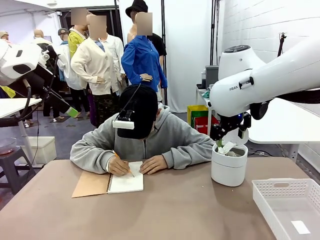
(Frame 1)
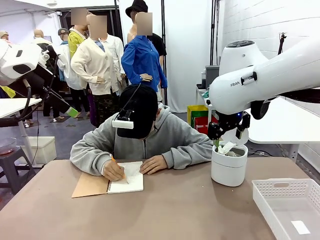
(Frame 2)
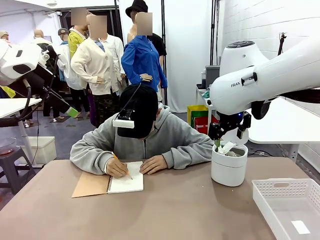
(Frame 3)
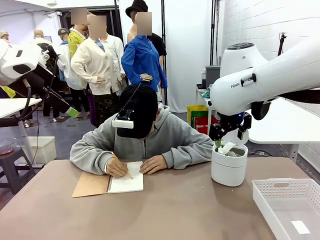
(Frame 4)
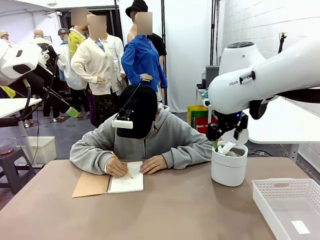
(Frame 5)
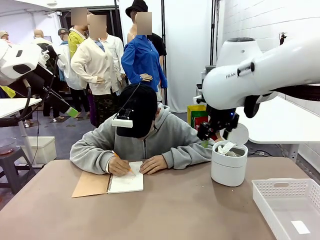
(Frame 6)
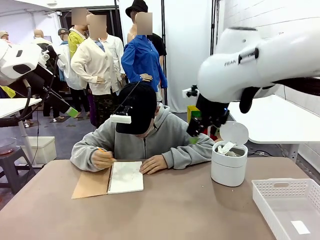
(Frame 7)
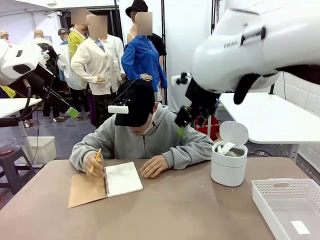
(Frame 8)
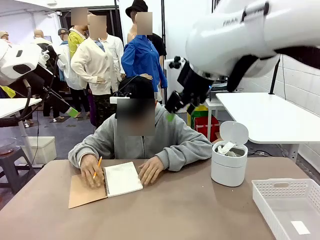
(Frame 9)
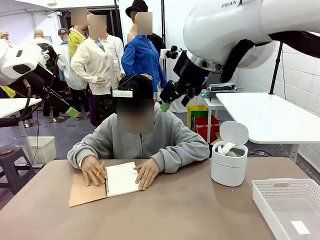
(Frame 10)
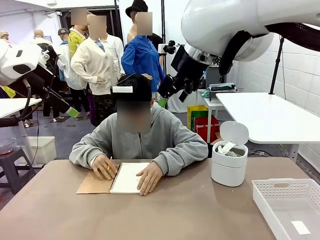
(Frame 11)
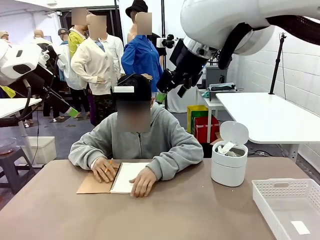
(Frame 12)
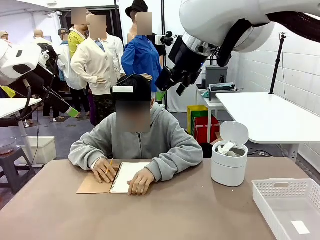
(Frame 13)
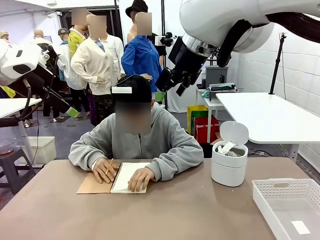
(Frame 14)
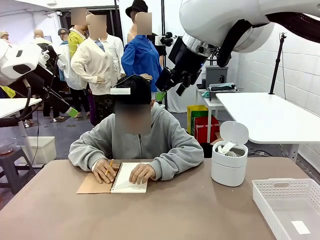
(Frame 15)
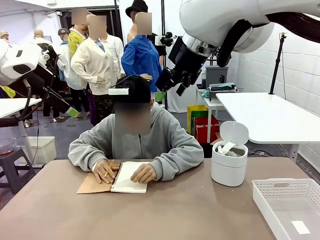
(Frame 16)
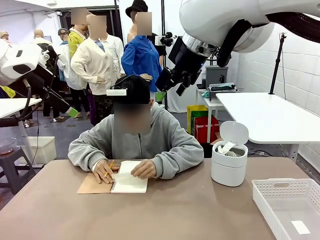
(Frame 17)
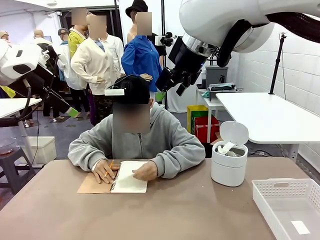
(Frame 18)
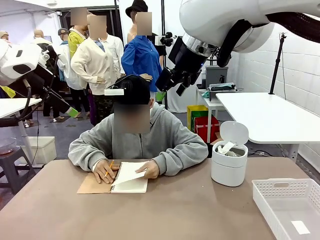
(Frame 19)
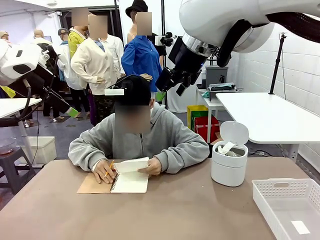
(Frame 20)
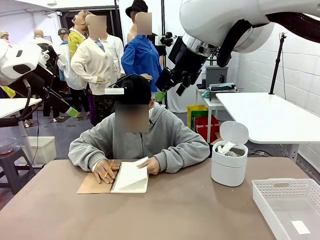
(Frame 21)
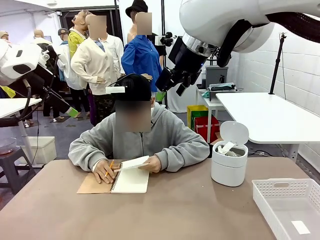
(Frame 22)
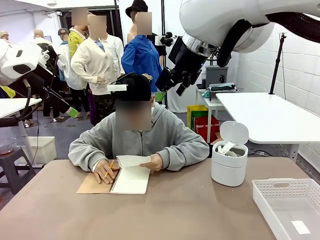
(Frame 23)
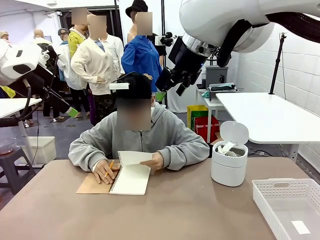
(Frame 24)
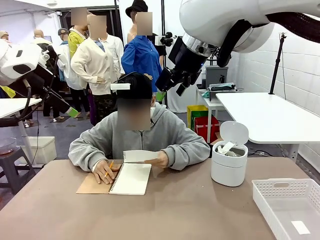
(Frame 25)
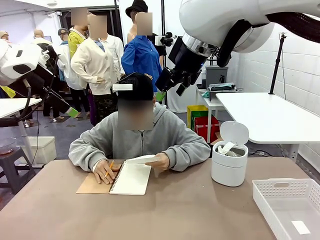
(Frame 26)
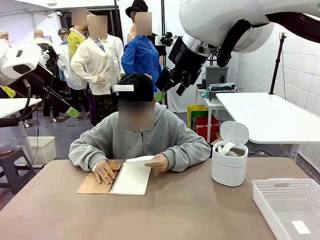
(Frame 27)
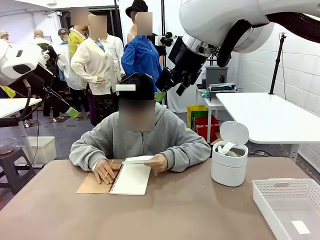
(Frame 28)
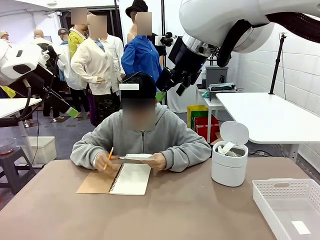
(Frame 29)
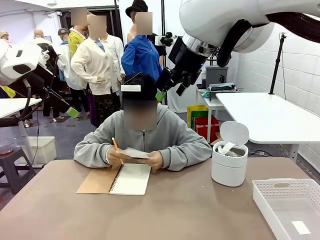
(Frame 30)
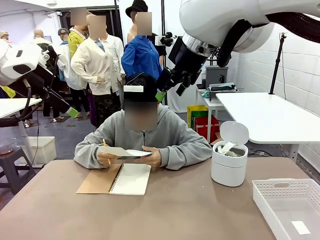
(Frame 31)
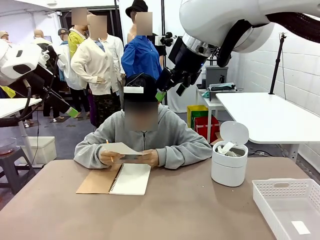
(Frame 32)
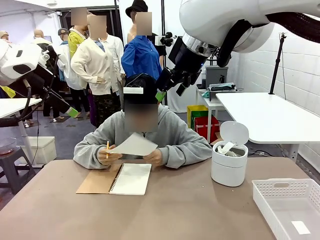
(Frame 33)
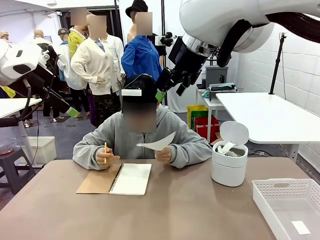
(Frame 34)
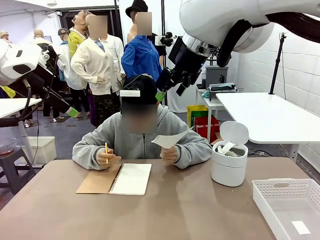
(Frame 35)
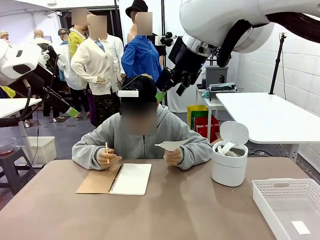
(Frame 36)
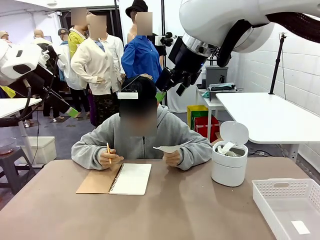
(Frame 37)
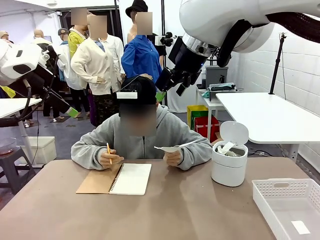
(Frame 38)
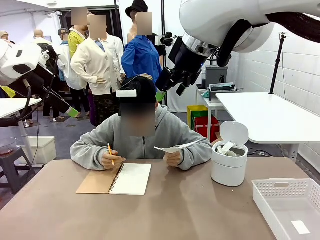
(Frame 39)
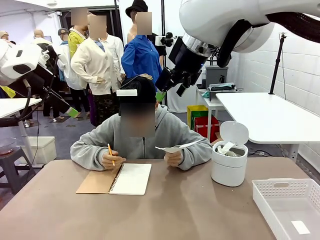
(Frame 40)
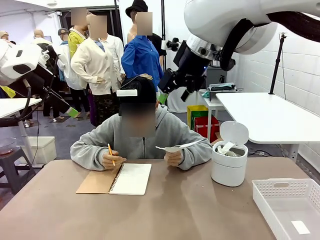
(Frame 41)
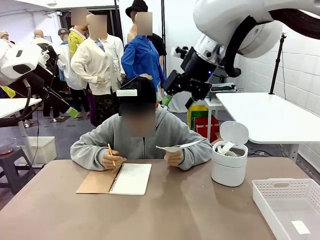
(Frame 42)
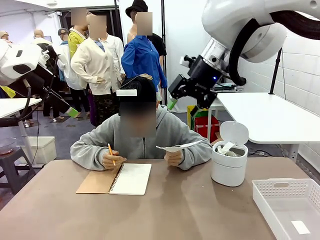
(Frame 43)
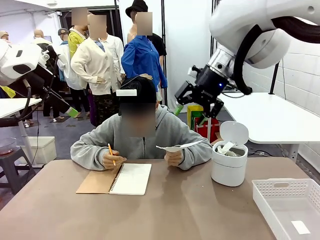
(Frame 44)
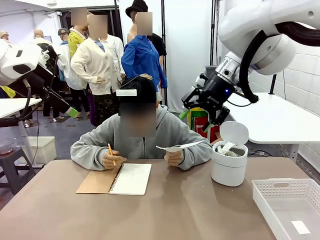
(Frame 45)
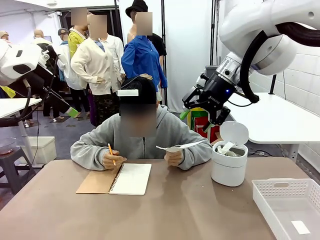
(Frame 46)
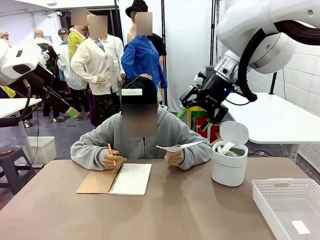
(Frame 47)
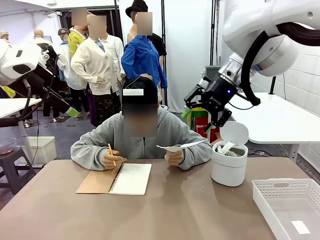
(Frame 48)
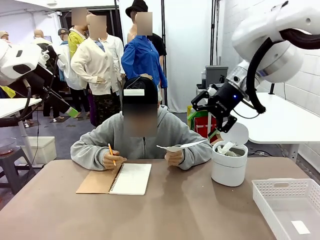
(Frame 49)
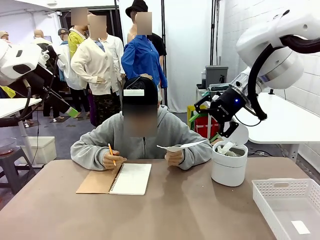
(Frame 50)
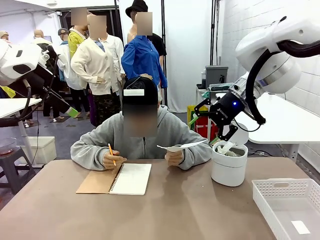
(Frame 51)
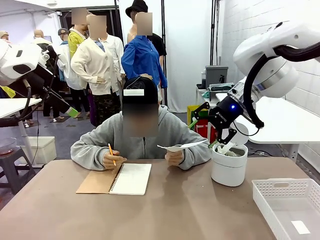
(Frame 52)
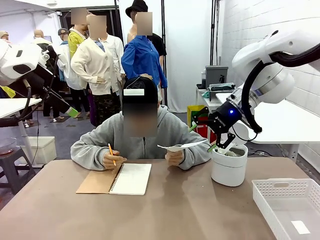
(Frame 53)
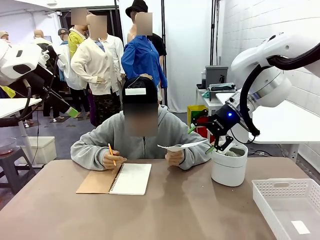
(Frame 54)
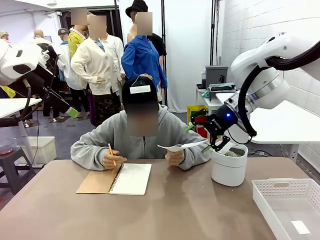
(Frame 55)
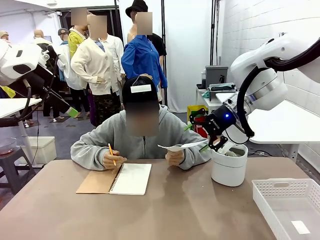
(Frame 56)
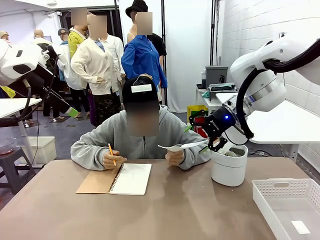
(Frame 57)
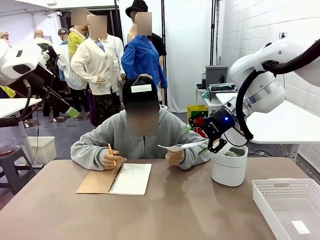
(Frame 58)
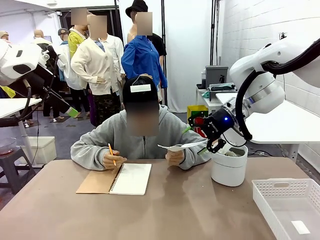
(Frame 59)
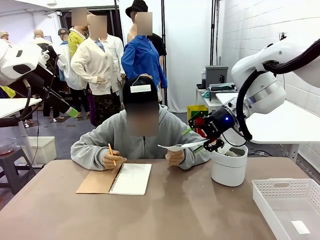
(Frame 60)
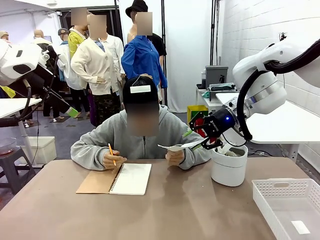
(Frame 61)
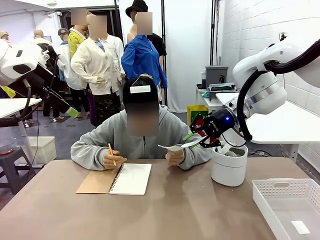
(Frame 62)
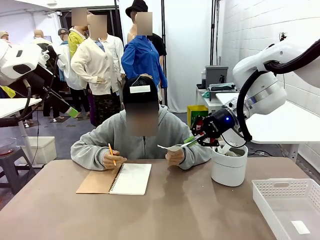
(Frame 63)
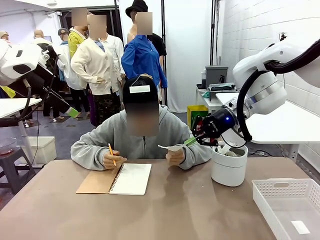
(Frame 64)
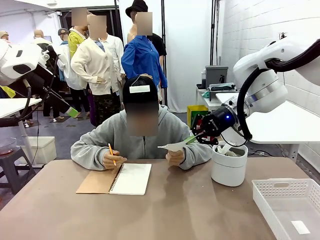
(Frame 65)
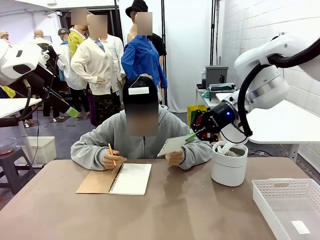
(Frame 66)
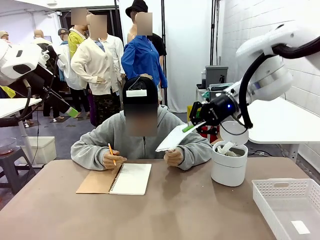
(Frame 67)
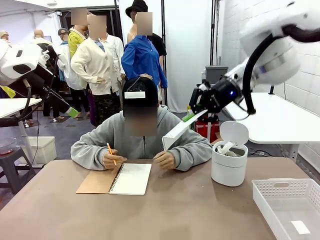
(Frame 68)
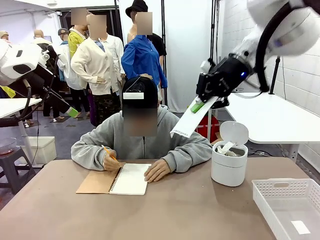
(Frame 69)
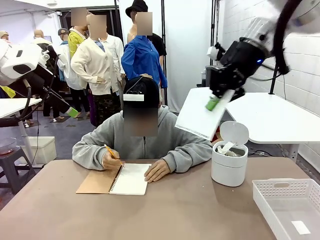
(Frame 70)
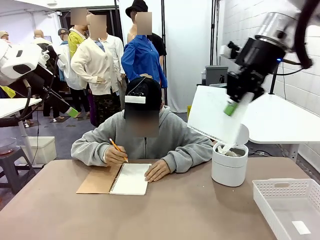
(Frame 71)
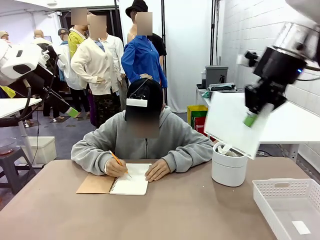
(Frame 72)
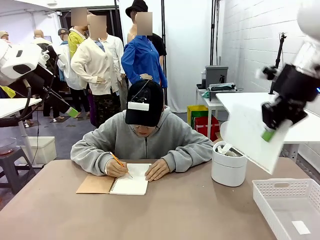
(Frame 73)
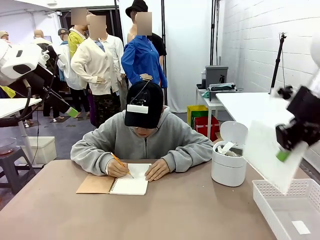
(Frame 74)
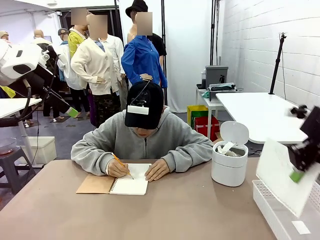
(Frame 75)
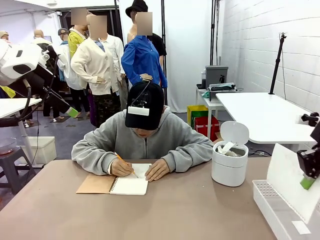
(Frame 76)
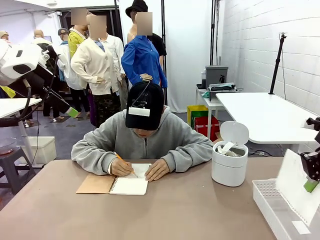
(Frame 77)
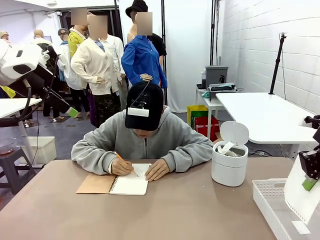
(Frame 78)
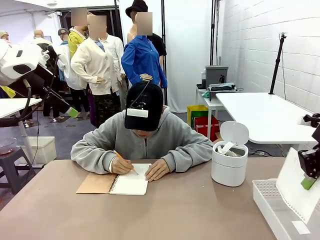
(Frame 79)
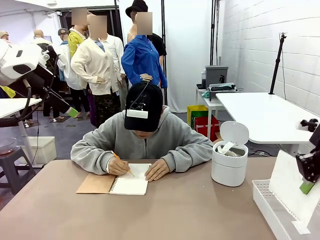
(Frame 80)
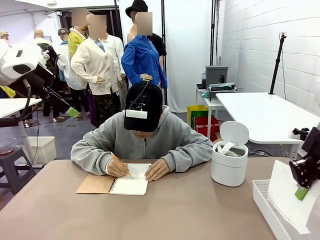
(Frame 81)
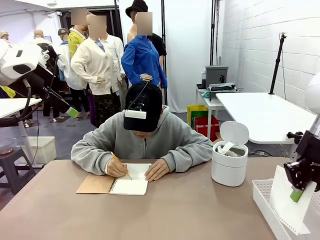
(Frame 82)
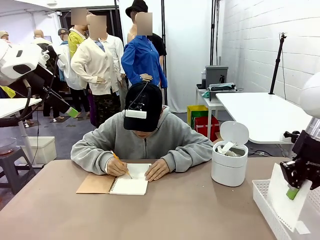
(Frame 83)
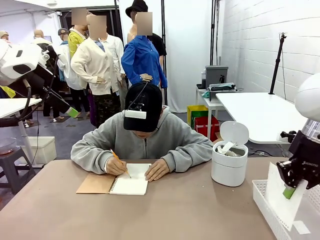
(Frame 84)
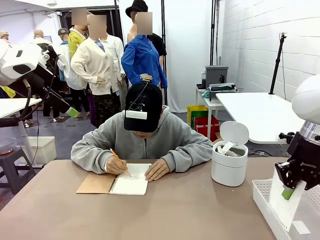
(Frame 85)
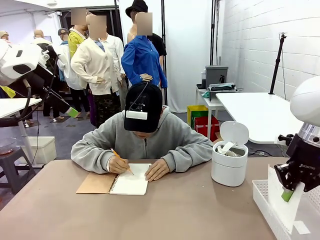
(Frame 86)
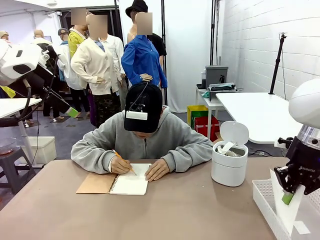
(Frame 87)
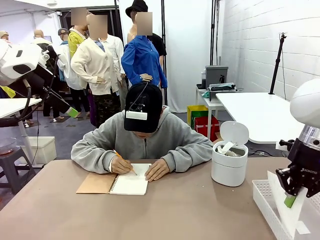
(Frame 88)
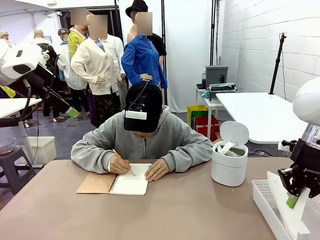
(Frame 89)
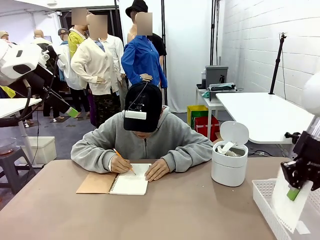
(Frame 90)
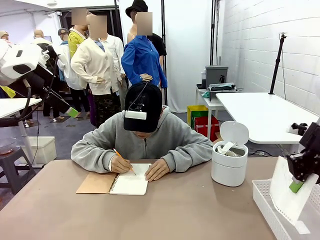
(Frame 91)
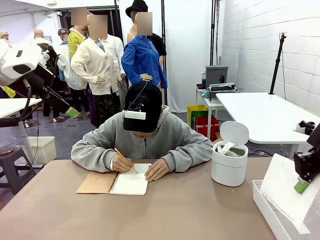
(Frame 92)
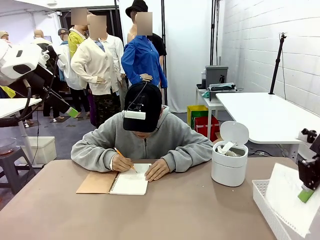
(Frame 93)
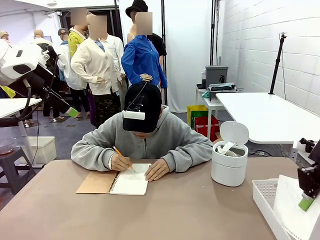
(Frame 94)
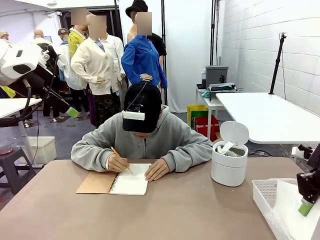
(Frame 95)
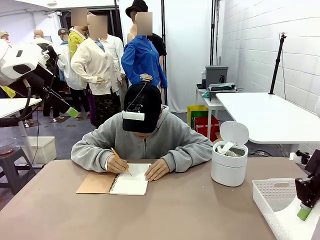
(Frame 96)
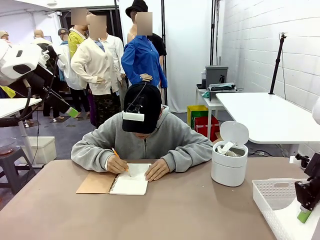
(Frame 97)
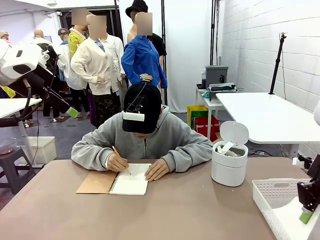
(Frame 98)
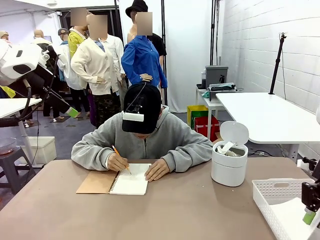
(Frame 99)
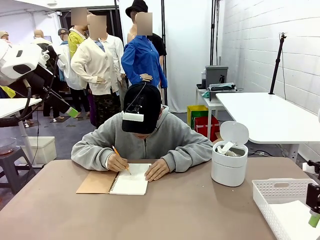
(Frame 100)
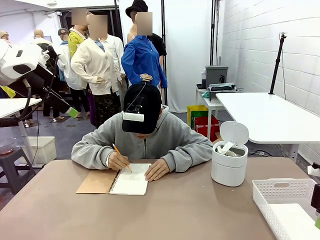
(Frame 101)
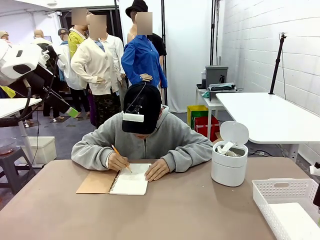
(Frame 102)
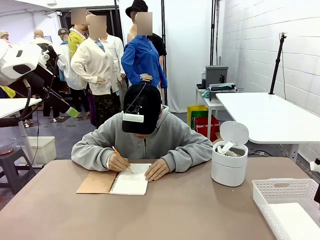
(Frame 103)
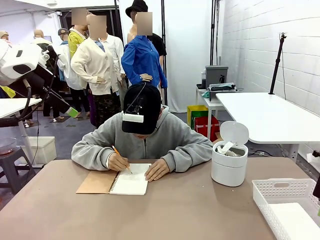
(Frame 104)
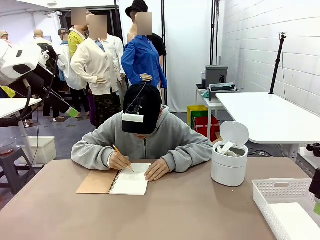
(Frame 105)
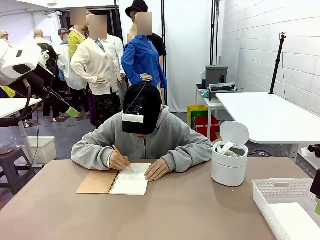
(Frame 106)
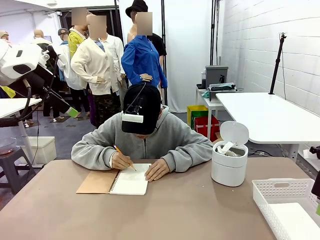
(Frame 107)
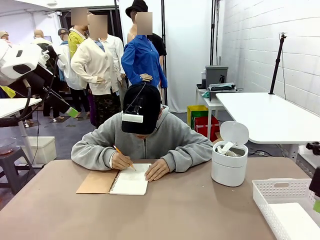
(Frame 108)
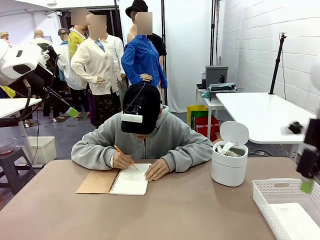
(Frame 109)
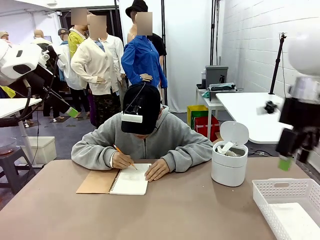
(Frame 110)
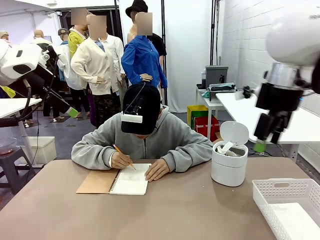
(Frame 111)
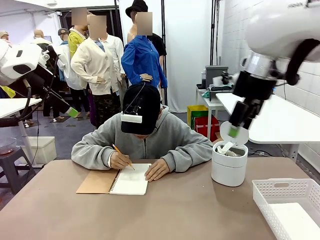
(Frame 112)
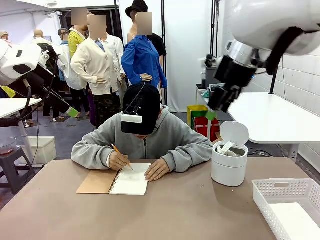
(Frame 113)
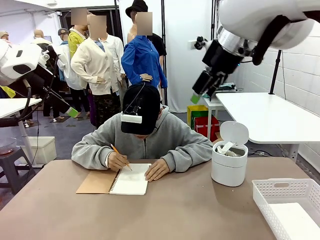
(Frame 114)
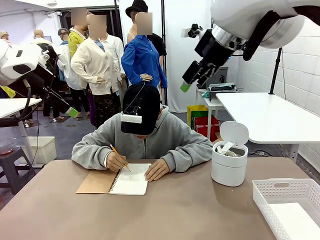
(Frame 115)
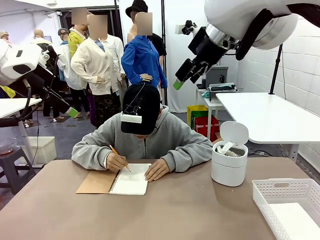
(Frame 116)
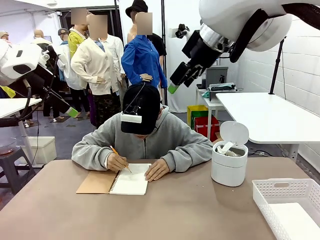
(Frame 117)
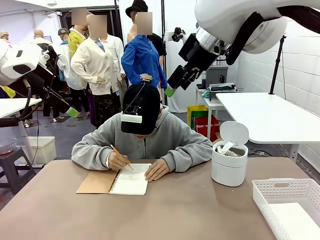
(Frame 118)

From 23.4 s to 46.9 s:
Task: Sort the paper based on its condition.
Robot: If a person hands you a paper, place it in the Organizing basket , and if it's crumpled, put it in the Trash can.
Person: Hand the torn page to the robot or crumple it and throw it to the center of the table. Tear out a page from the spiral notebook.
